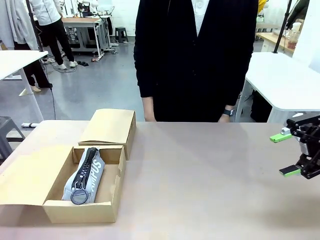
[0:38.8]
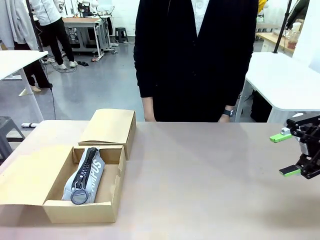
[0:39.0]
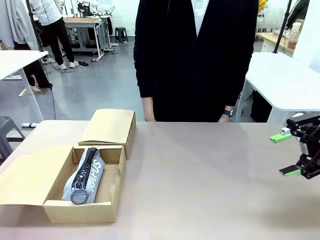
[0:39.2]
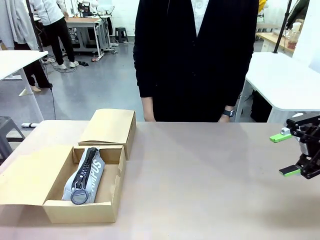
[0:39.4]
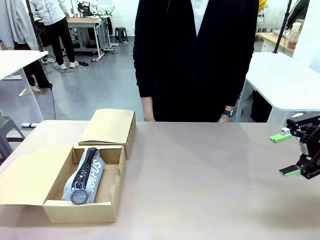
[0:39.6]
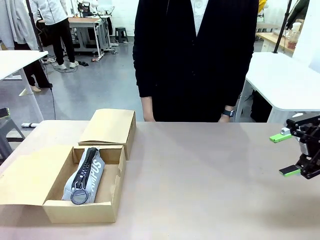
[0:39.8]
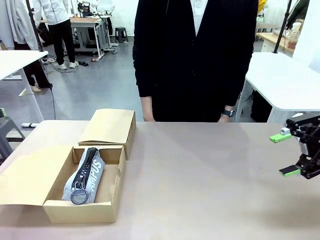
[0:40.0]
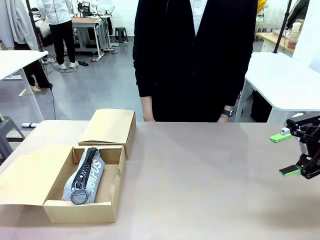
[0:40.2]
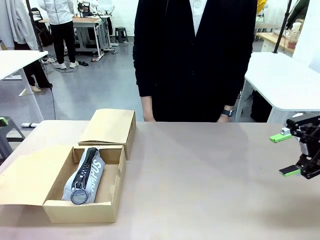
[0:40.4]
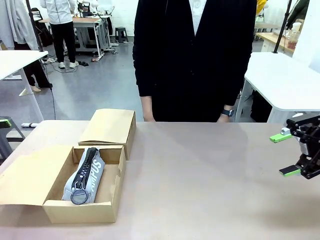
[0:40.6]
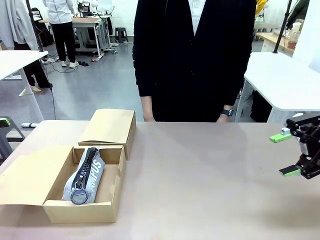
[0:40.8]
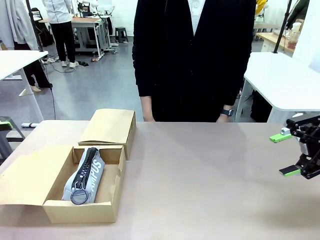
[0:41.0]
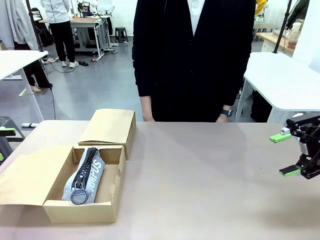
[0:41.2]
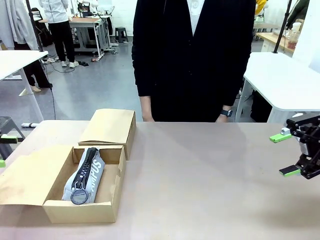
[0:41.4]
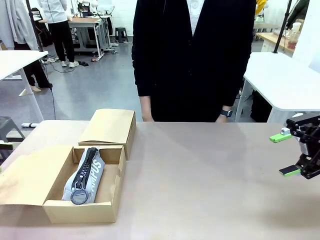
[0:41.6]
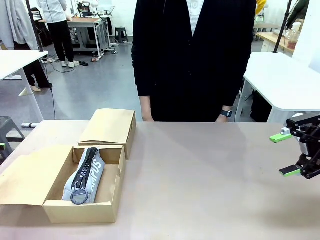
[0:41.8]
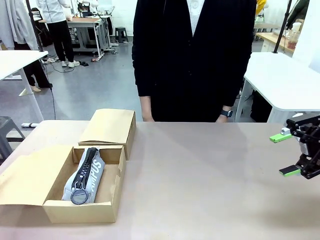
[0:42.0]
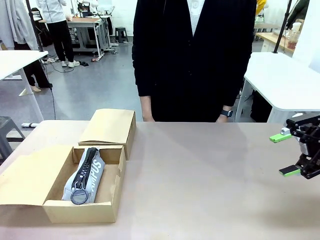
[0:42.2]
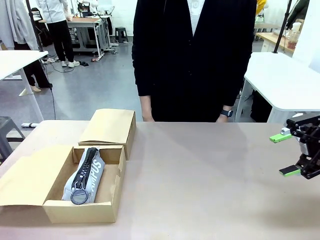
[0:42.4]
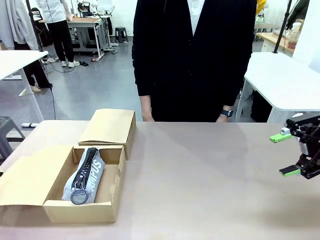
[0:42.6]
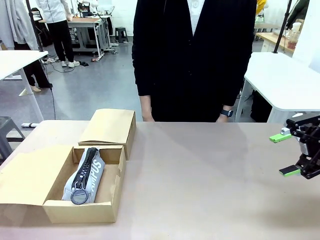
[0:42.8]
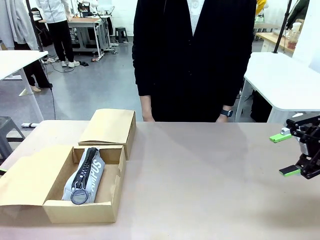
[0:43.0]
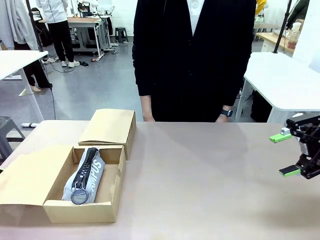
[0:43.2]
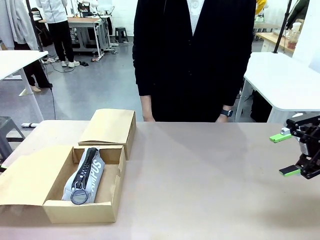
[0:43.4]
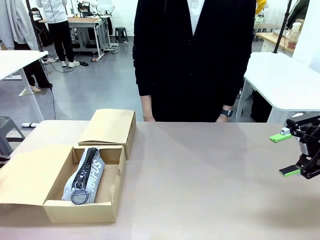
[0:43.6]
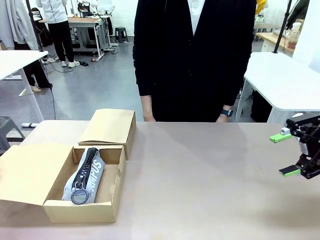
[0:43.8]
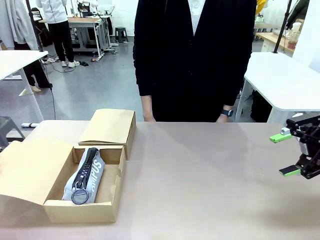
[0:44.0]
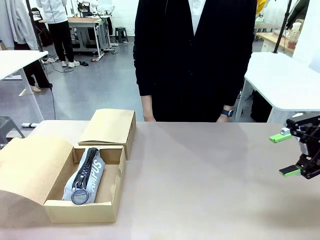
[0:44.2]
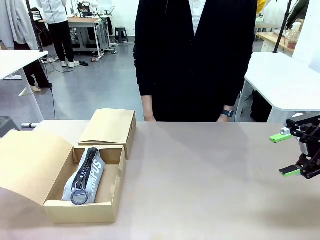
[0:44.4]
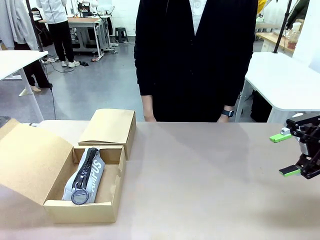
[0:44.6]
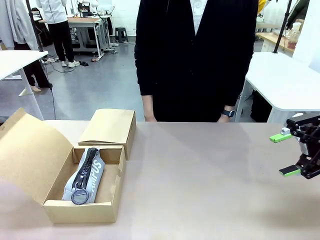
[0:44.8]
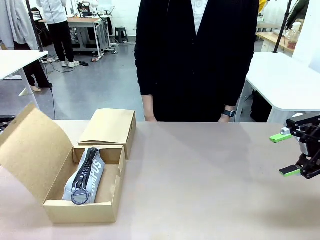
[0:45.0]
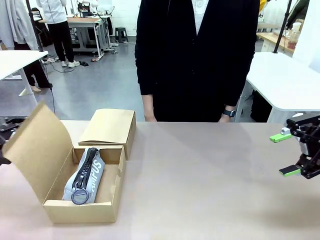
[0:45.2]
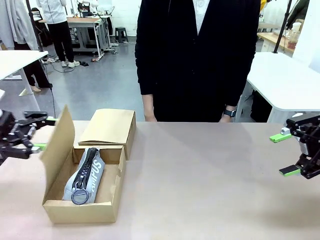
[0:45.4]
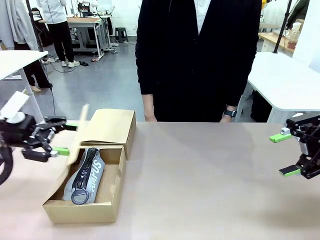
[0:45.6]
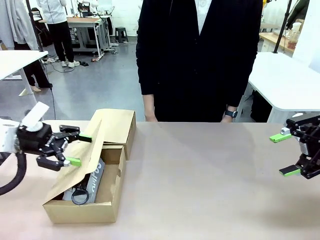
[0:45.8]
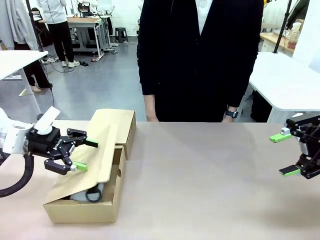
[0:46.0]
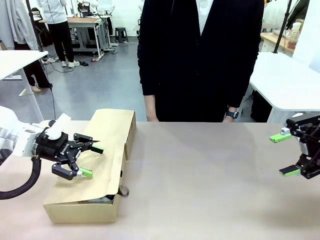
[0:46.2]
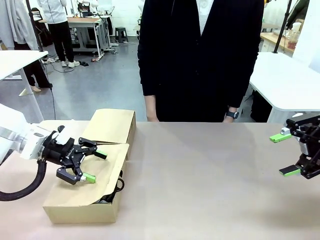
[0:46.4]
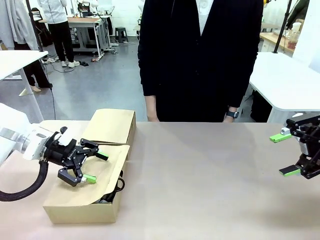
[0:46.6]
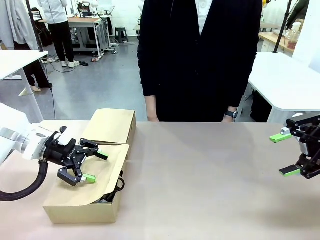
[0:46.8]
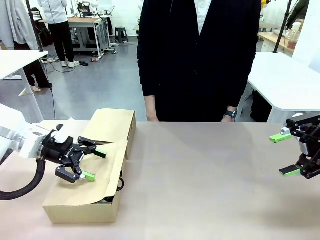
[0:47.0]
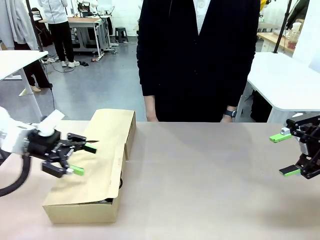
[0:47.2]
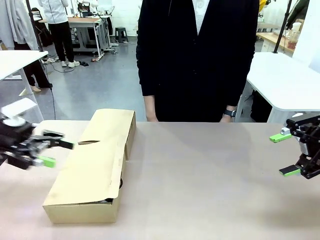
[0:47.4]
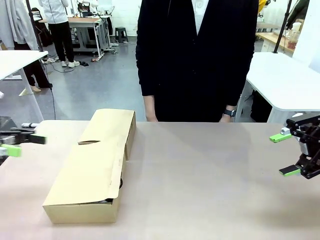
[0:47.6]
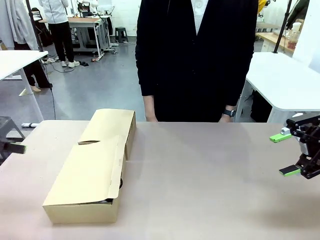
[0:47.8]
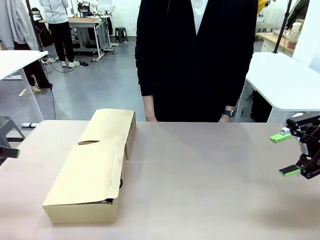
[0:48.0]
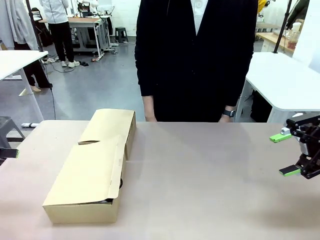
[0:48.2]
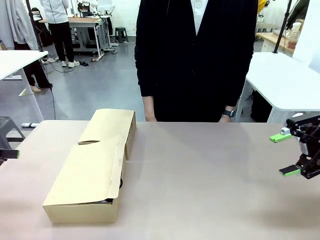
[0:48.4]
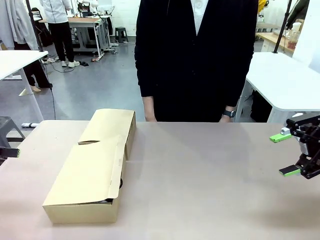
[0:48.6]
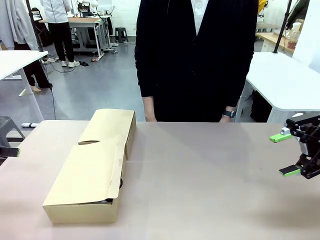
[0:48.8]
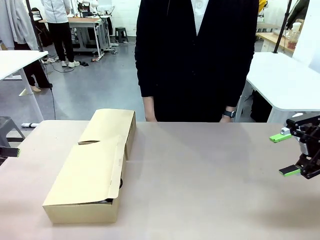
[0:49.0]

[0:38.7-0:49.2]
Task: Place items inside the box.
Robot: Close the lid of the Mailer Box closest to the robot.

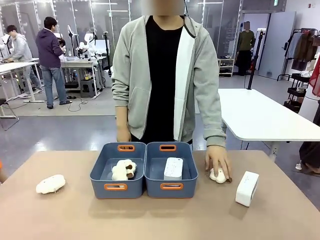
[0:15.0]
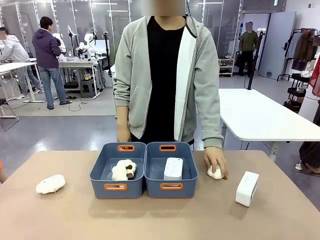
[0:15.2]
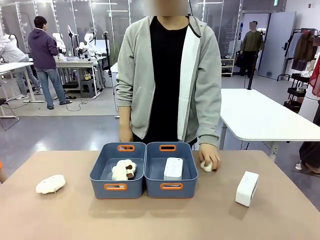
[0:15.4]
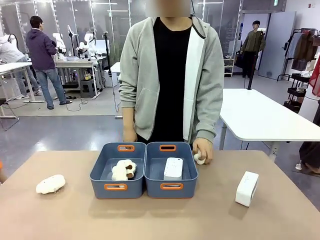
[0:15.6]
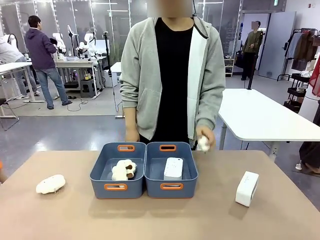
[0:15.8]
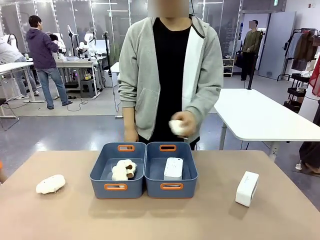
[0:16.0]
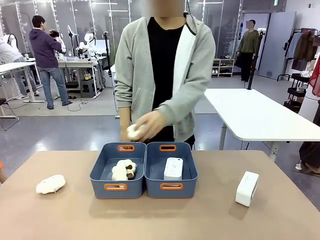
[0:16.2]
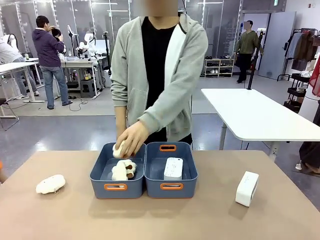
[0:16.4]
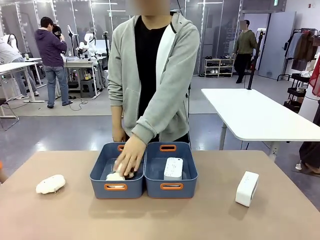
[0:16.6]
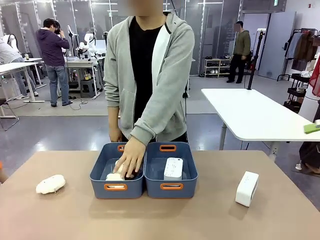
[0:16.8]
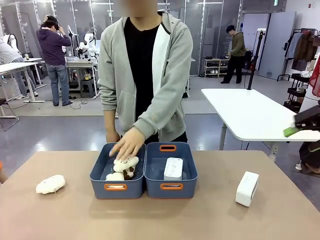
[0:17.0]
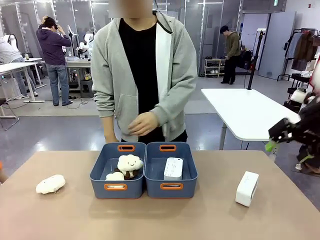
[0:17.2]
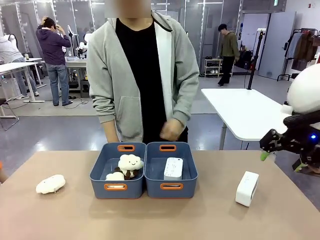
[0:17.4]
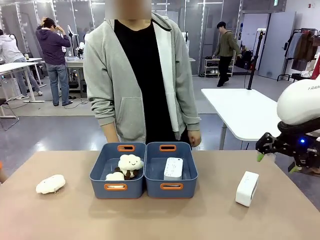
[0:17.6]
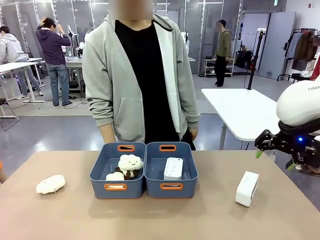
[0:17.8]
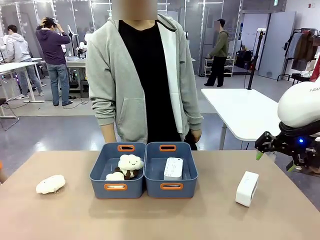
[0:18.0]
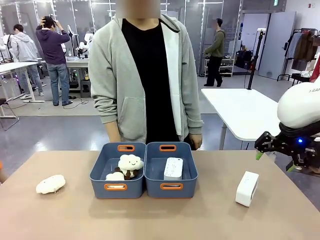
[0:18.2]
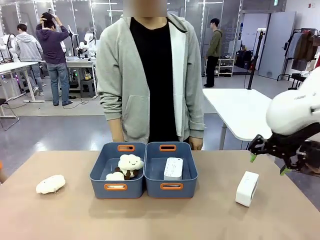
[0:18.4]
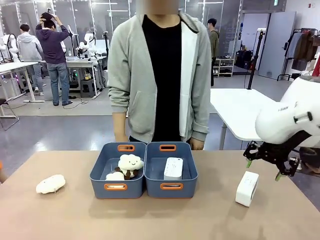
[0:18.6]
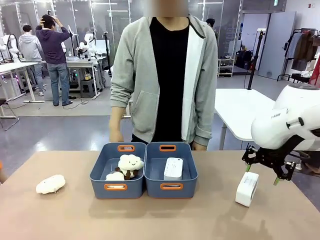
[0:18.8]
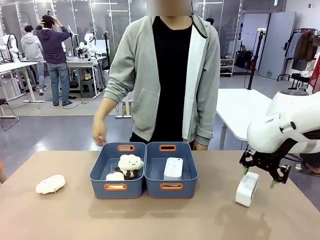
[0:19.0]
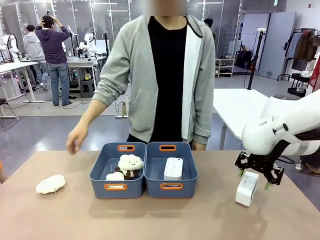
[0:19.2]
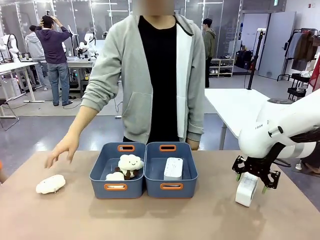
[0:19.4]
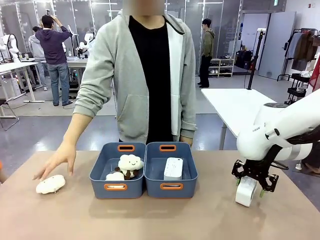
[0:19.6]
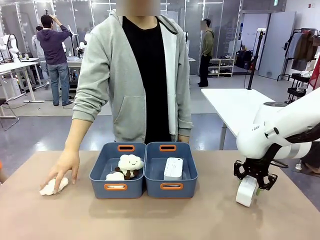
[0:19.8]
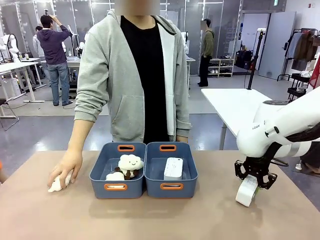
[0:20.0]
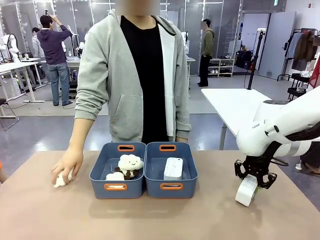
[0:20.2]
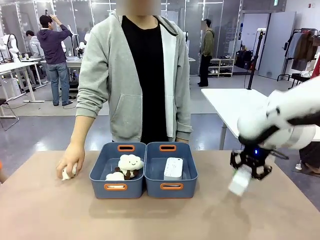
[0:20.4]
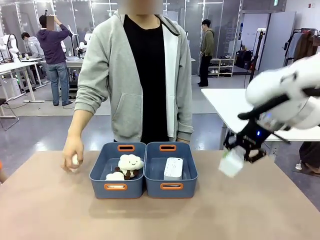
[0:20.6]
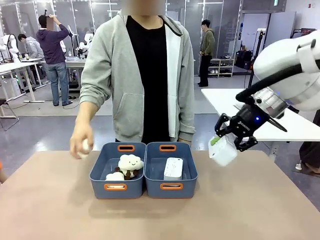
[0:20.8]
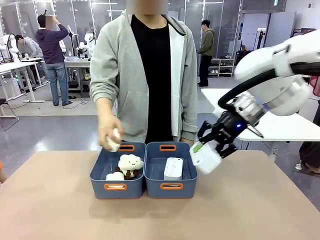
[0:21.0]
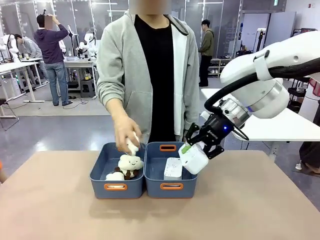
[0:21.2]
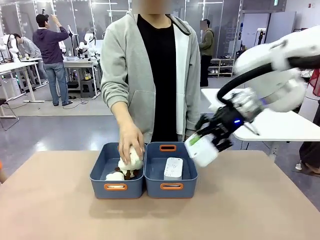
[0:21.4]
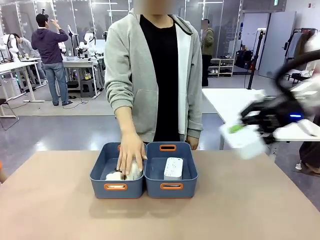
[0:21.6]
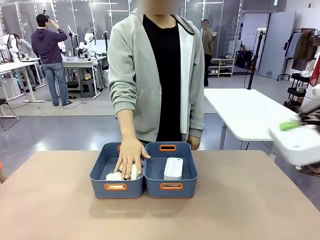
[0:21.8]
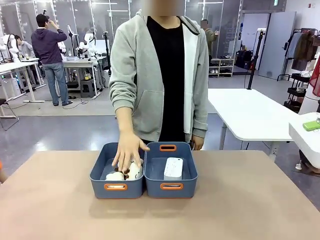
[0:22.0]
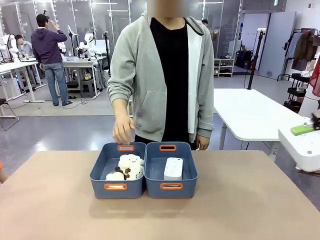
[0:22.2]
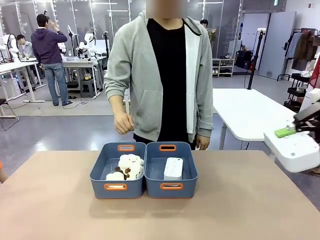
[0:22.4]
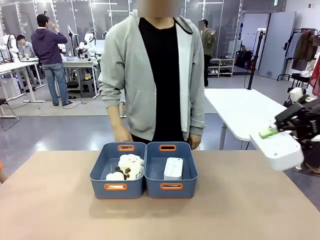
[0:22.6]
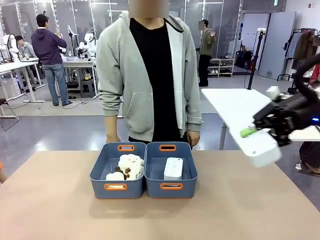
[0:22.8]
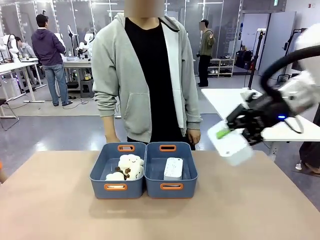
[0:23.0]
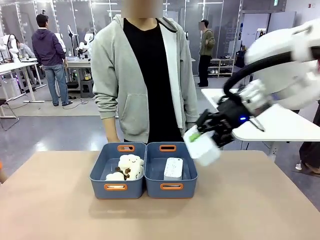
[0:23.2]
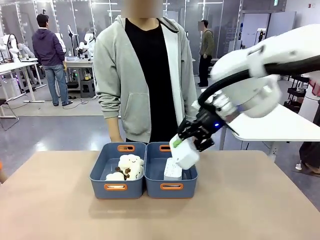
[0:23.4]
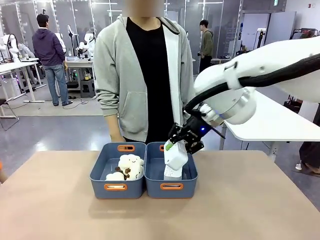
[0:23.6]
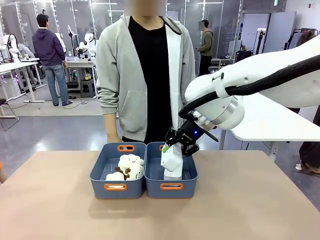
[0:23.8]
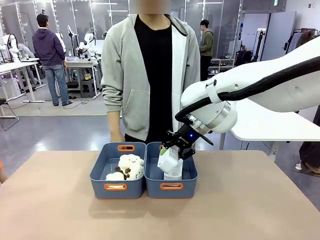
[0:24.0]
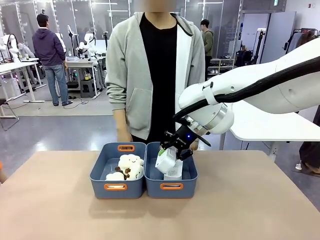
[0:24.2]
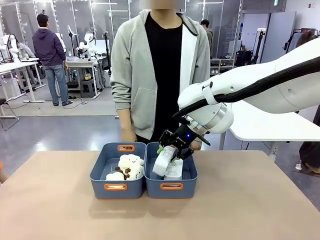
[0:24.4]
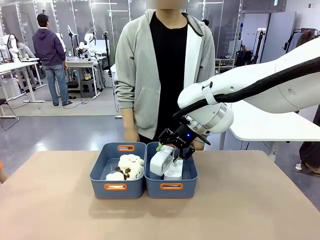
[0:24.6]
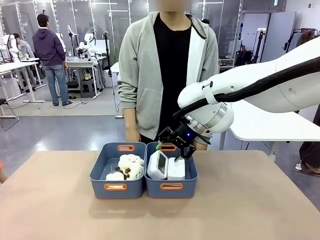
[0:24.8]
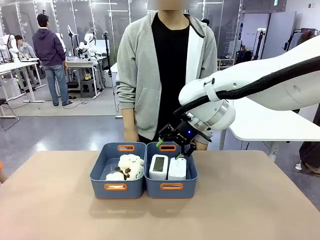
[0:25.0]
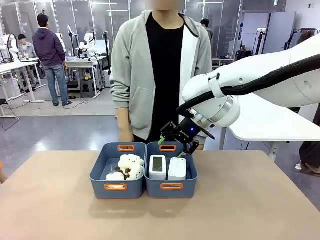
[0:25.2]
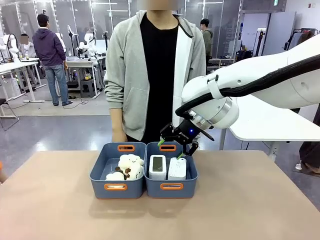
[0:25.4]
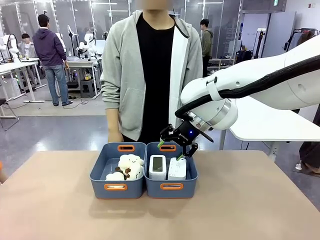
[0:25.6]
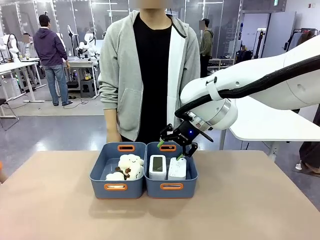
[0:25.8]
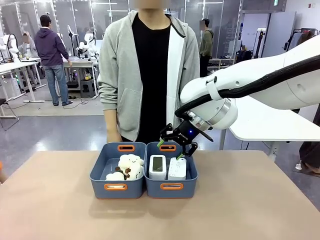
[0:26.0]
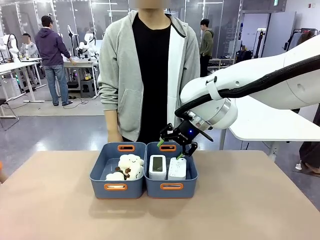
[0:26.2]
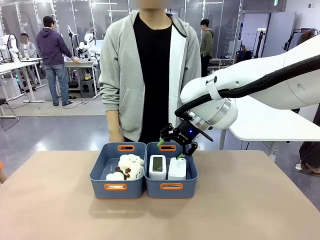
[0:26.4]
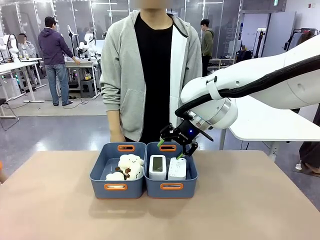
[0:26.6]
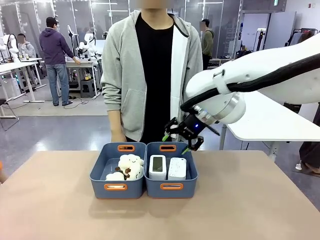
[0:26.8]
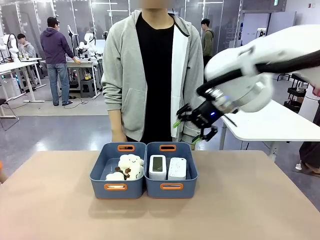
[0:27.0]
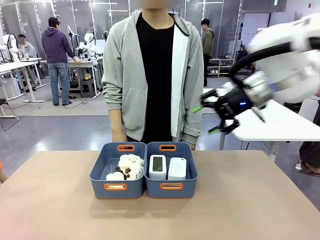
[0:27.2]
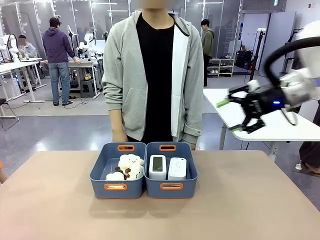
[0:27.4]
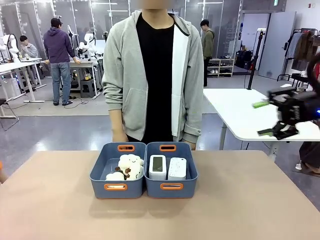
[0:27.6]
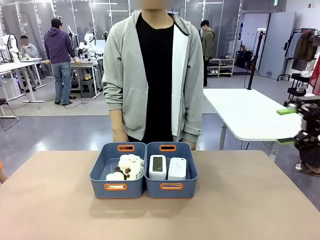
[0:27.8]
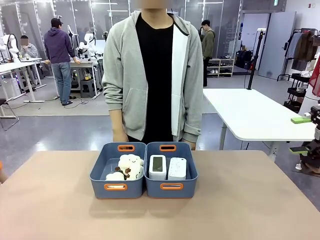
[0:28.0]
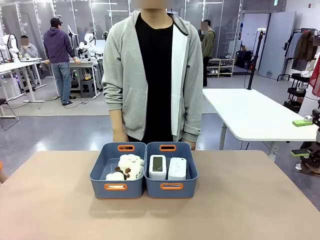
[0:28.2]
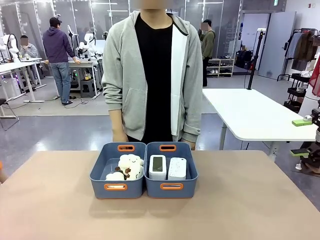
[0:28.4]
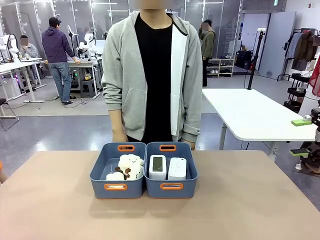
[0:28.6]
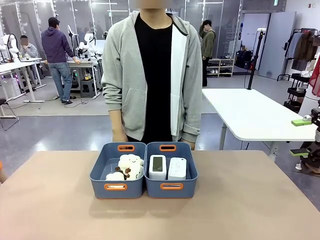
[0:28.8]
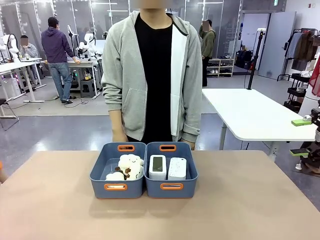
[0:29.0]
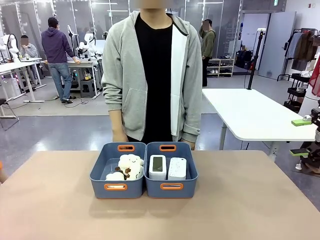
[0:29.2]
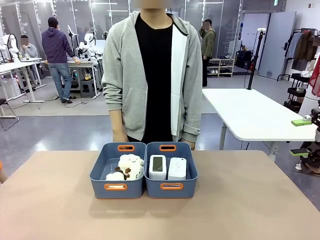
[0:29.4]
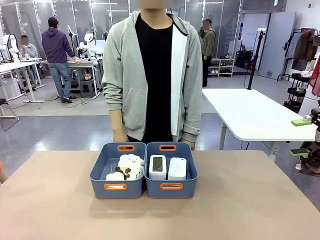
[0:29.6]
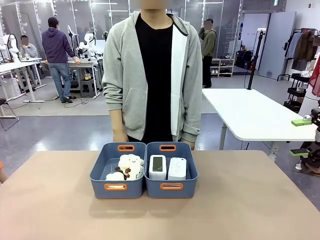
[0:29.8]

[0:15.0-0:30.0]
Task: Sort the digital clocks into the basket.
Robot: Pick up the Digital clock from the table and place it into the empty Plastic storage basket.
Person: Pick up a plush toy from the table and place it in the plastic storage basket containing the plush toy.
